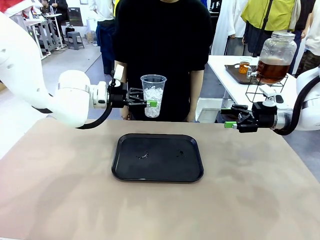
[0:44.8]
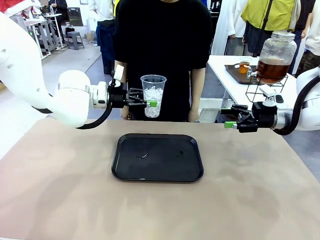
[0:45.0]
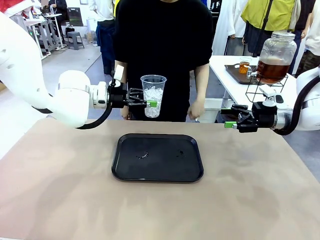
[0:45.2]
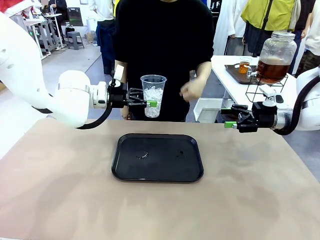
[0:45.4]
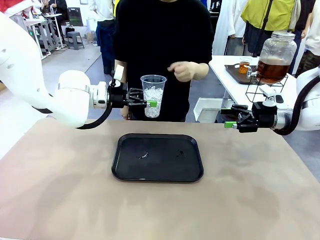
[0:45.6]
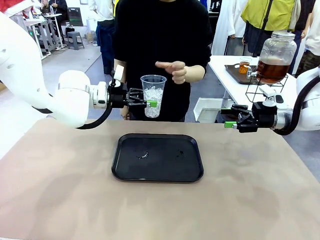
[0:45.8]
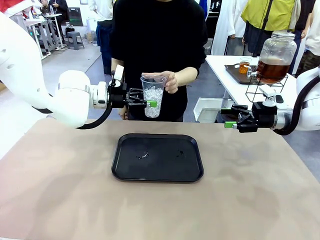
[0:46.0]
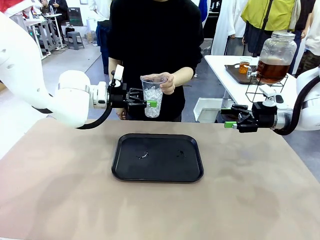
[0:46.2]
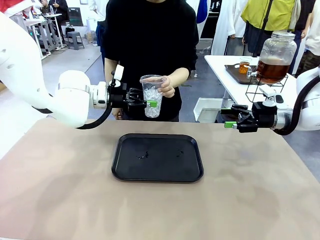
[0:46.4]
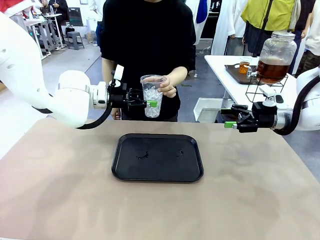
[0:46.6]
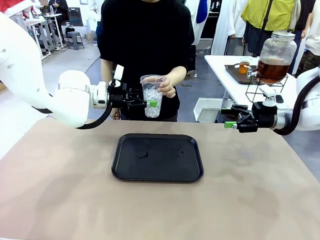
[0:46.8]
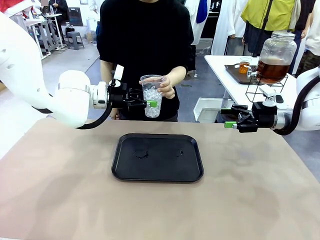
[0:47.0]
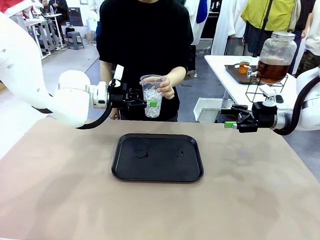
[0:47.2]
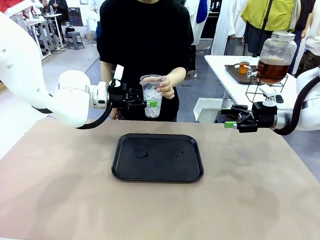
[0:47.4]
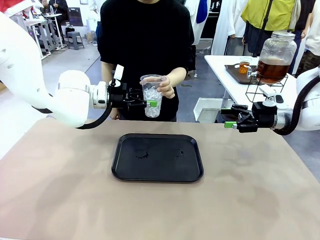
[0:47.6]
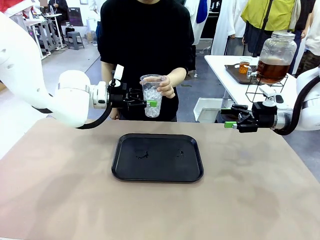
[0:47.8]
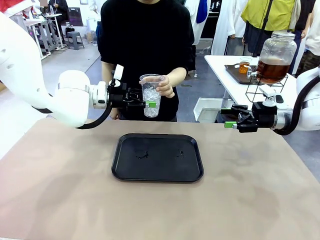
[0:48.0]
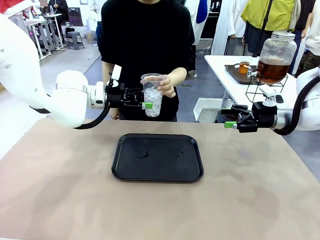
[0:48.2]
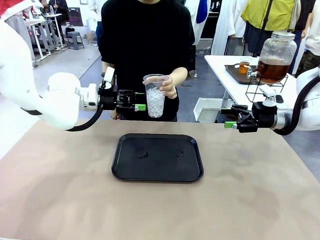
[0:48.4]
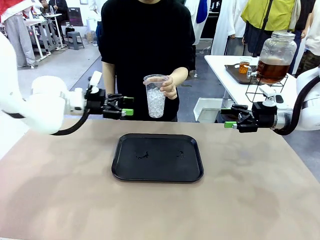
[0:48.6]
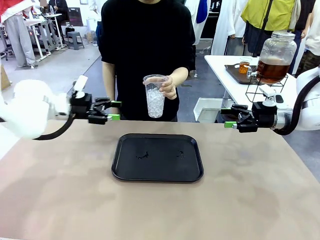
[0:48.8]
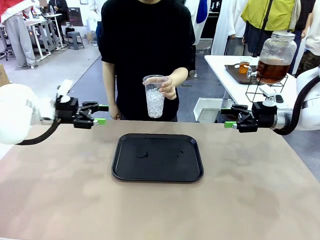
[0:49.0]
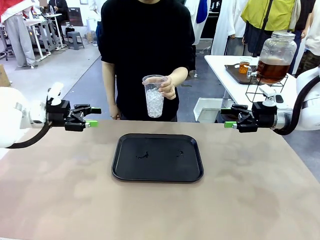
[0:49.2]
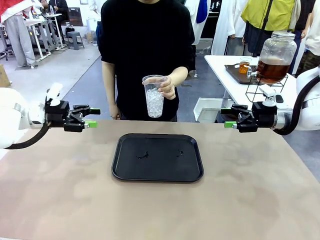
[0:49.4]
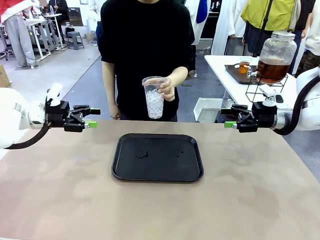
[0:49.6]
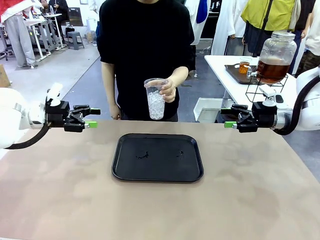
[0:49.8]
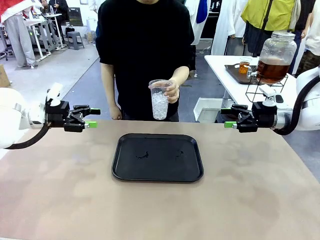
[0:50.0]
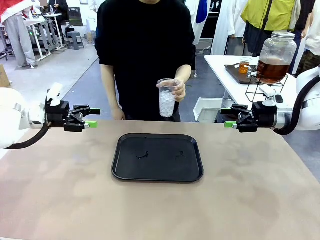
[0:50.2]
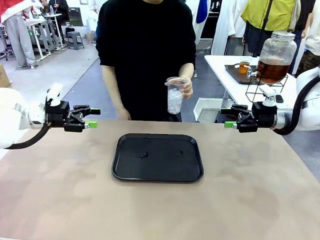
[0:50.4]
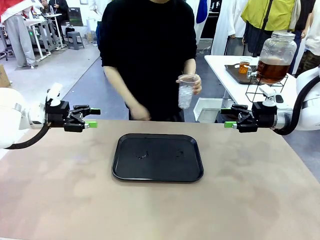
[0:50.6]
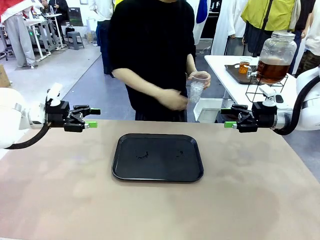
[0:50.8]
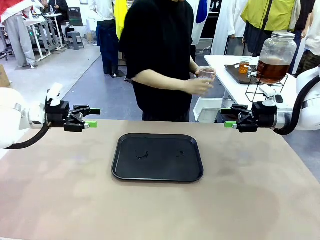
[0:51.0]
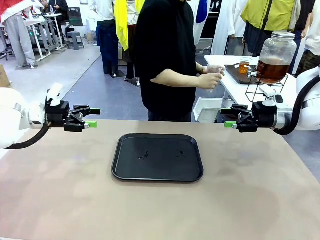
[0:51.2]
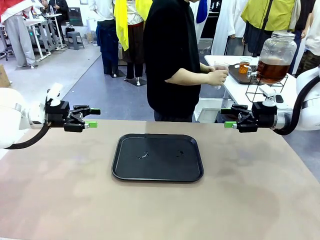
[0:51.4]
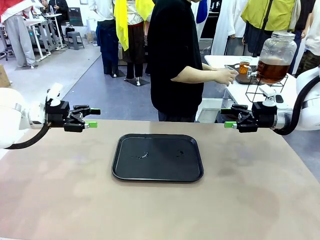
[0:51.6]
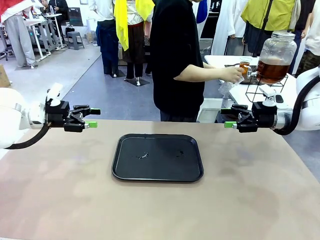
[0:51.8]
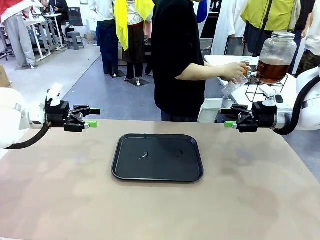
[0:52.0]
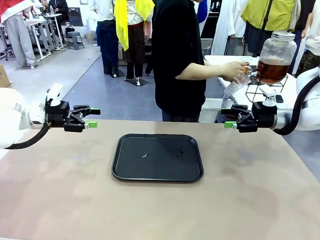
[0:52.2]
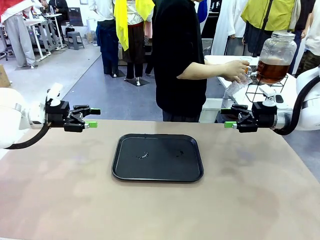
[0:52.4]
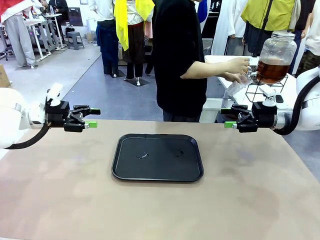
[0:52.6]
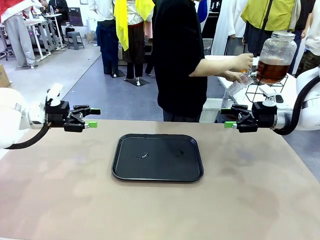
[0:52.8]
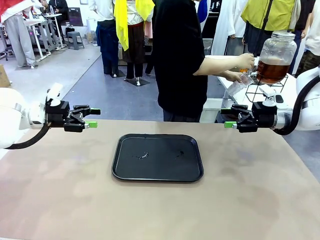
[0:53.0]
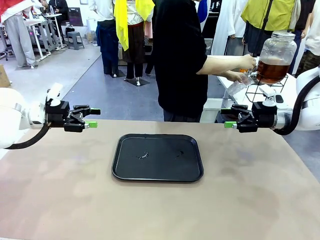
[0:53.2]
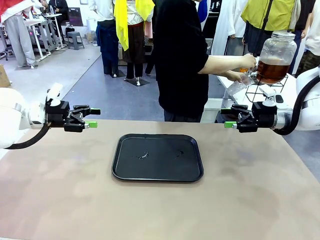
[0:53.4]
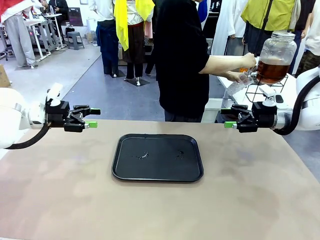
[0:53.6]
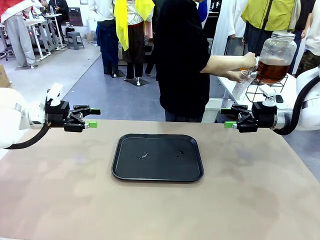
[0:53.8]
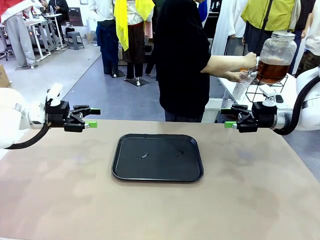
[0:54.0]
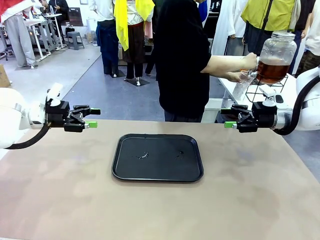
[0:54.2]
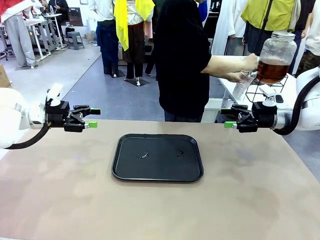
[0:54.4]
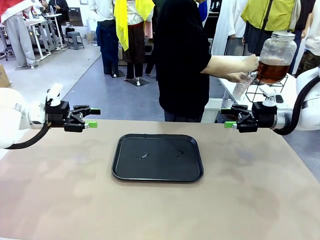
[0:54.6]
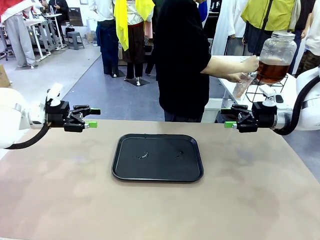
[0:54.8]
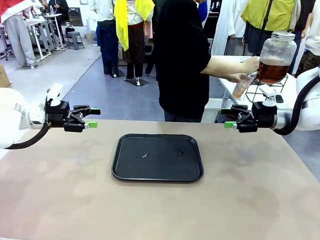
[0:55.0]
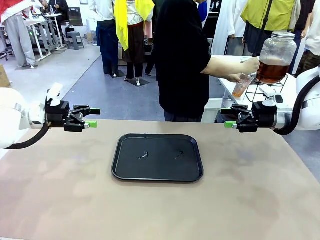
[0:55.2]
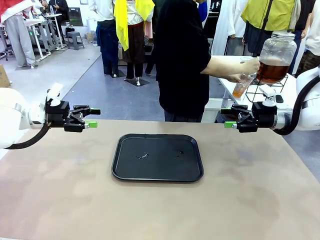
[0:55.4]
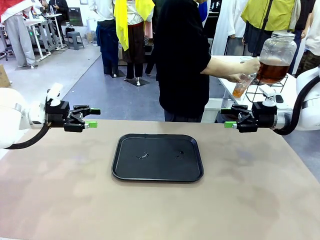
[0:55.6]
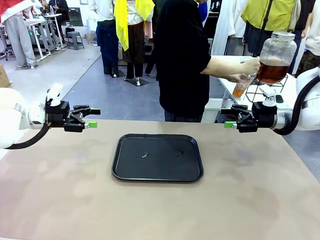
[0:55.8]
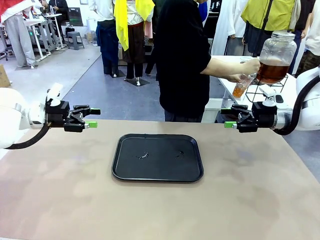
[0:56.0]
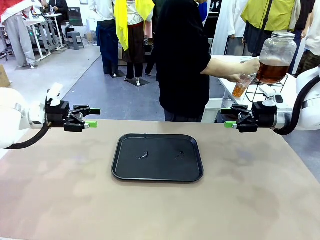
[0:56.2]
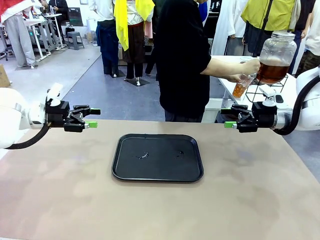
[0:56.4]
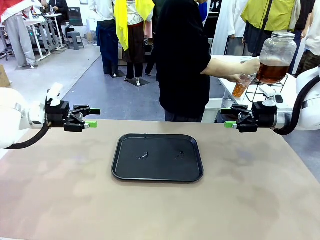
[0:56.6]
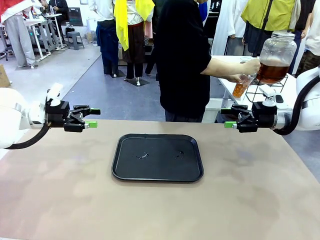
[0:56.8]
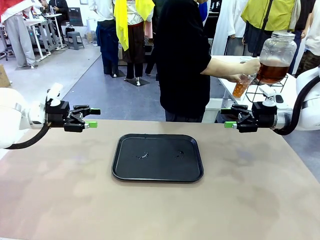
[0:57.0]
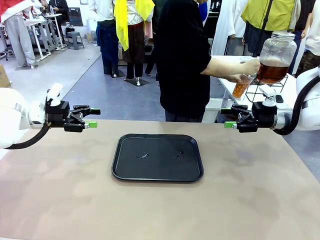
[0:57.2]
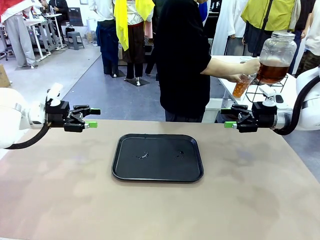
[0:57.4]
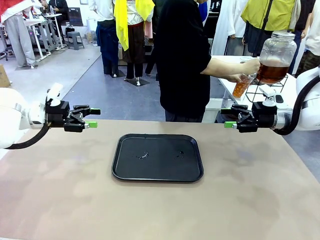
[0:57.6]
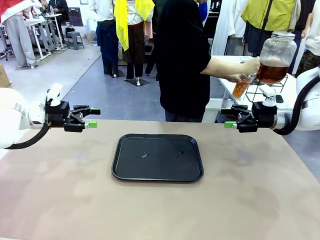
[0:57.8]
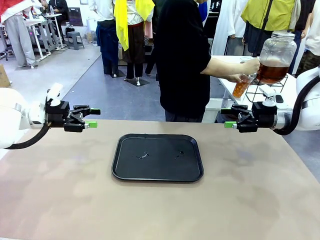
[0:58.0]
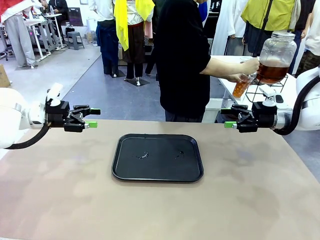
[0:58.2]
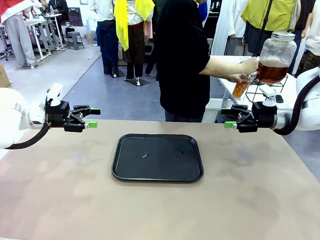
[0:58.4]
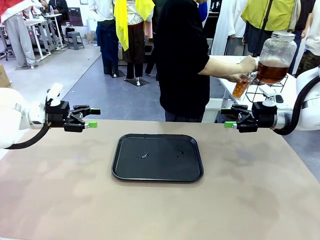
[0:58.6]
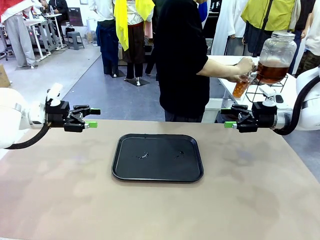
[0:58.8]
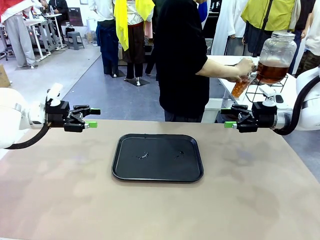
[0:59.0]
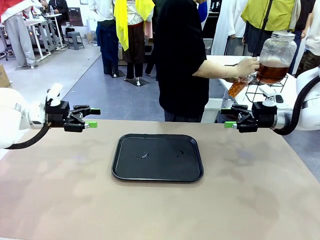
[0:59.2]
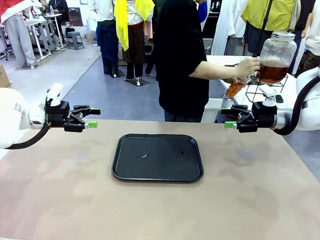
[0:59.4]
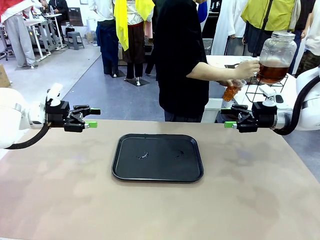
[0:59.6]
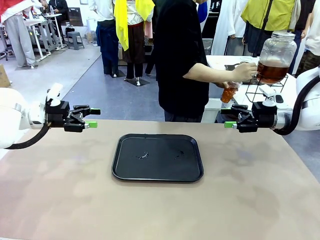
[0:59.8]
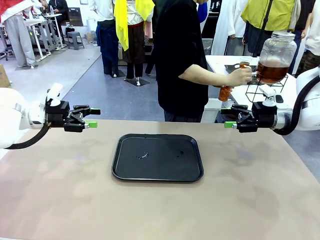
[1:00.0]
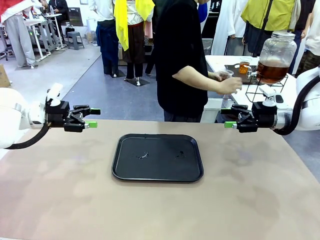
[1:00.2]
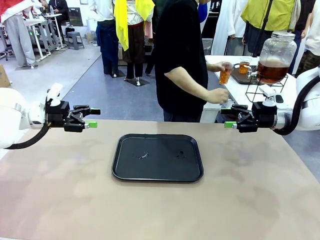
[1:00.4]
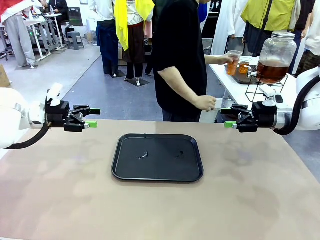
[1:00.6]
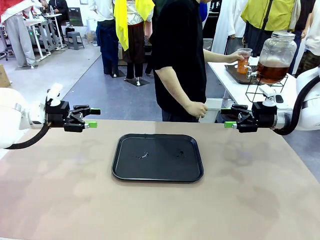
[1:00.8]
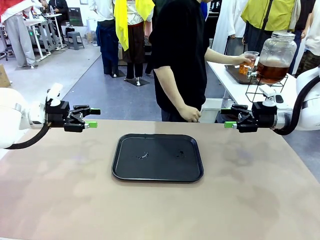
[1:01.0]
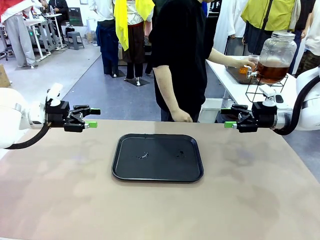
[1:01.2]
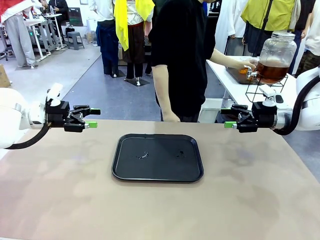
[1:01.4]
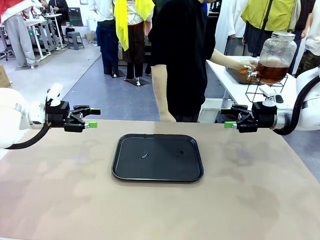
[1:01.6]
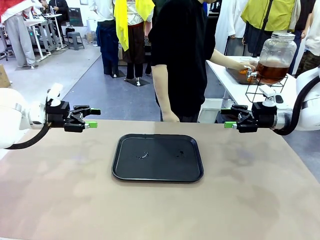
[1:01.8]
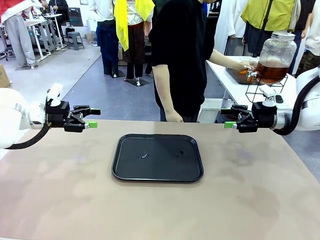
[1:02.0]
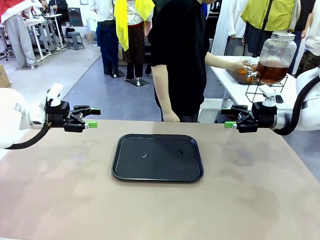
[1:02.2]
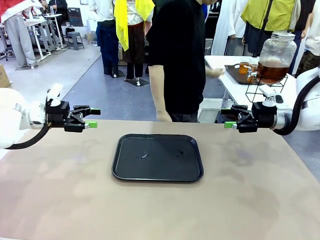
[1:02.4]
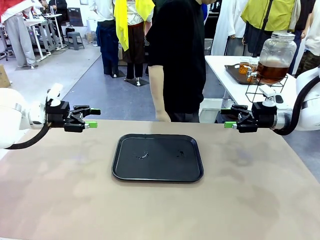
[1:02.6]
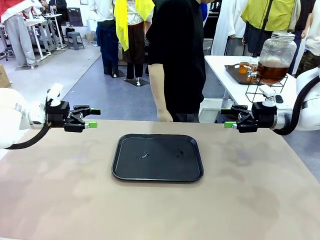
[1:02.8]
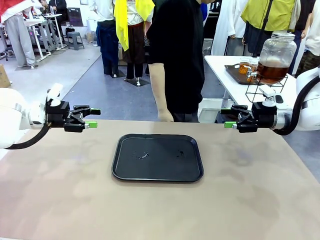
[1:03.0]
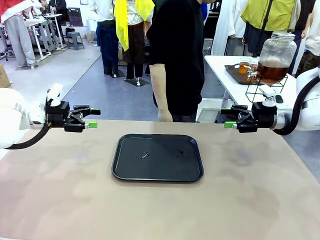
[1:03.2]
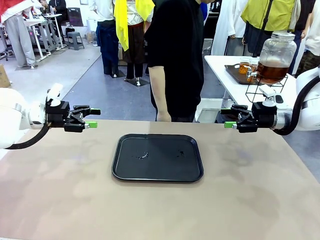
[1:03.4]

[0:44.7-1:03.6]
Task: Pour the drink into the iced cup.
Robot: Open the gripper to release the iced cup you were holding.
Person: Move the picked-up cup under the dispenser faucet, pour the drink, and place it on the tray on the human table.
